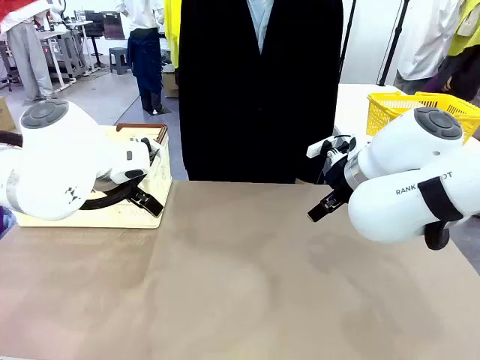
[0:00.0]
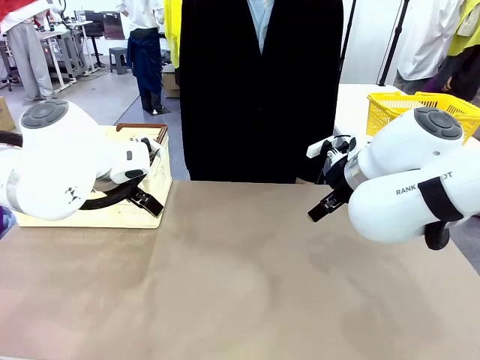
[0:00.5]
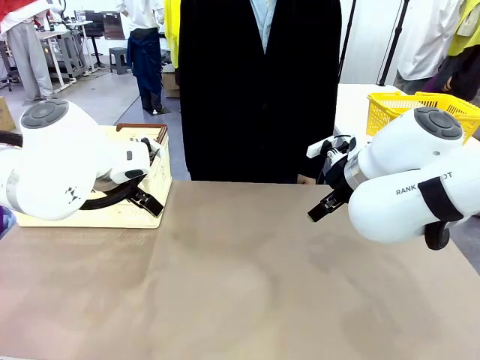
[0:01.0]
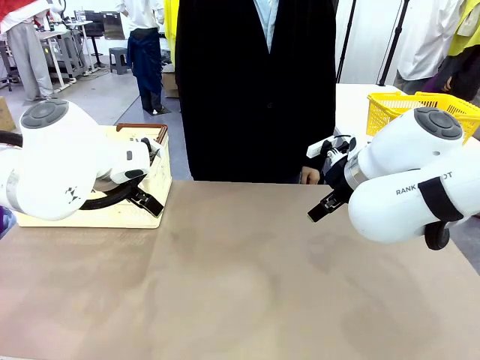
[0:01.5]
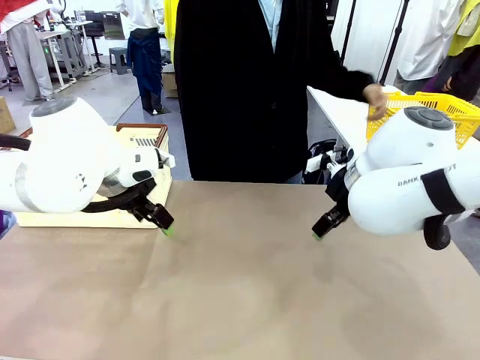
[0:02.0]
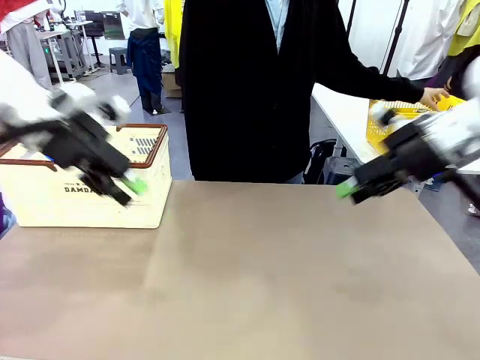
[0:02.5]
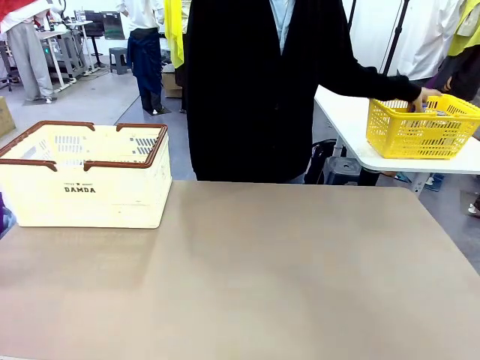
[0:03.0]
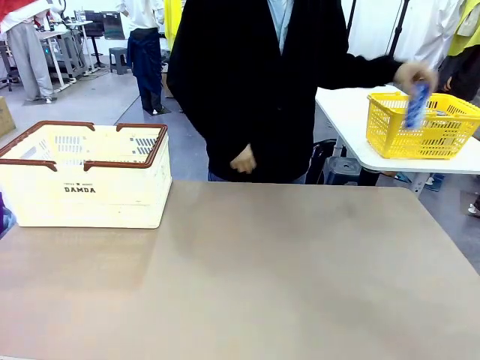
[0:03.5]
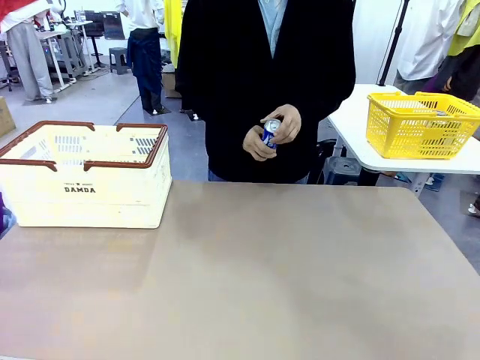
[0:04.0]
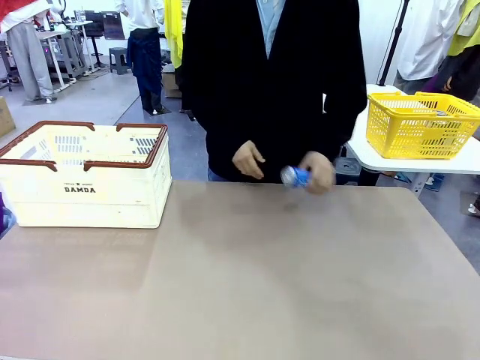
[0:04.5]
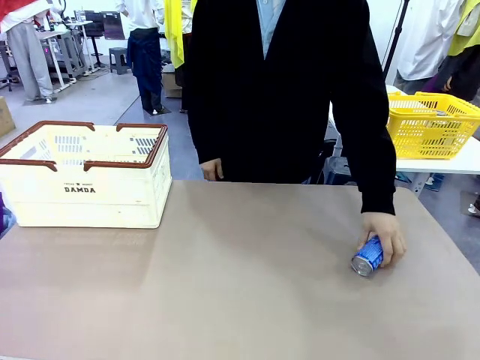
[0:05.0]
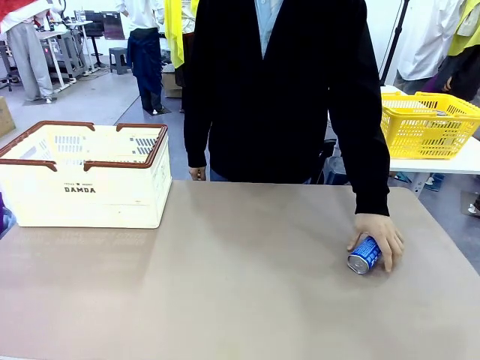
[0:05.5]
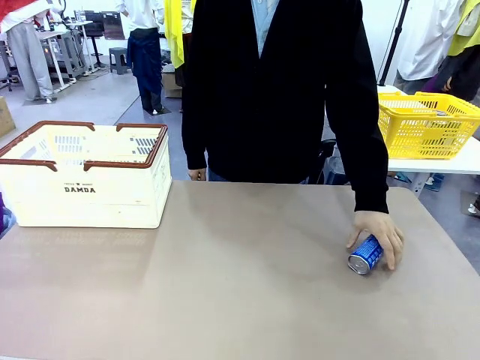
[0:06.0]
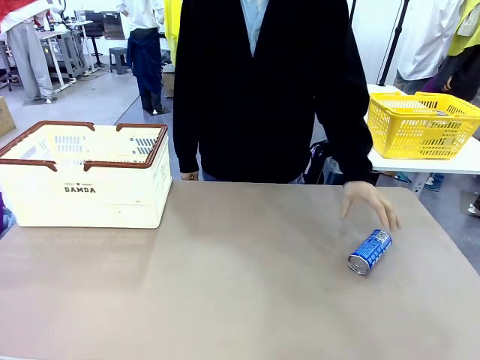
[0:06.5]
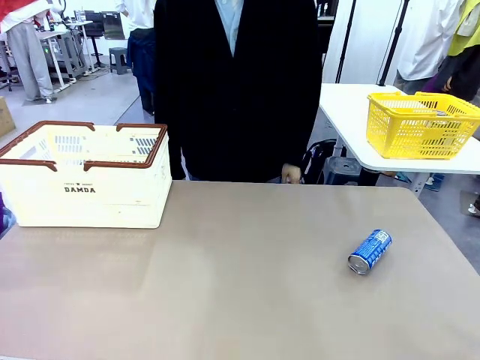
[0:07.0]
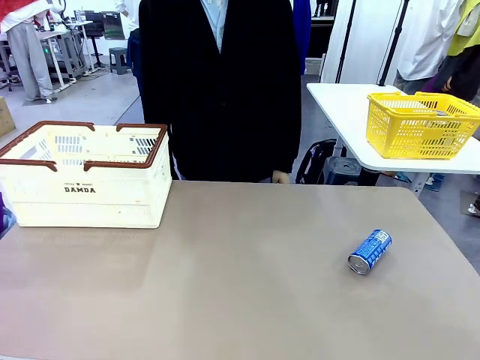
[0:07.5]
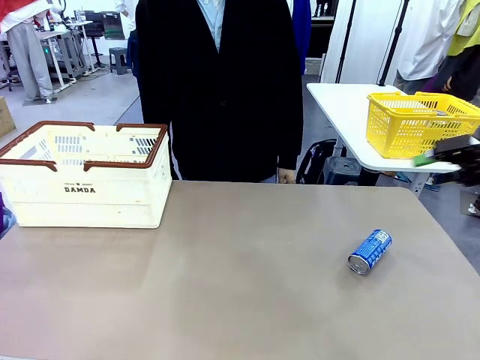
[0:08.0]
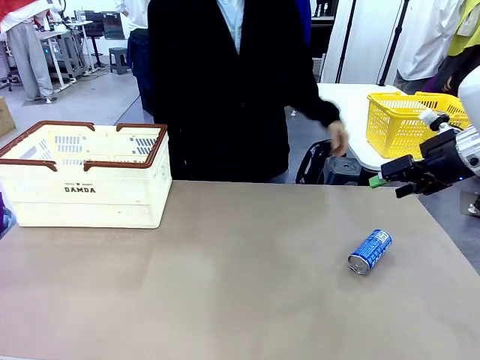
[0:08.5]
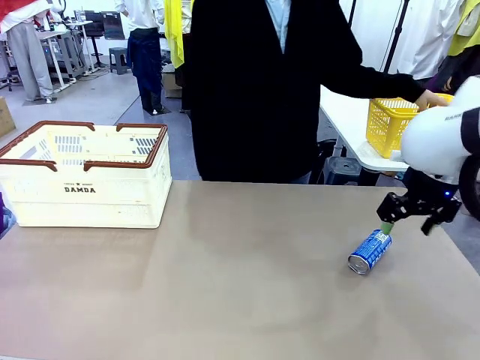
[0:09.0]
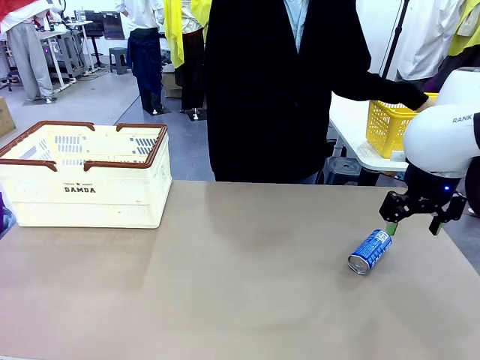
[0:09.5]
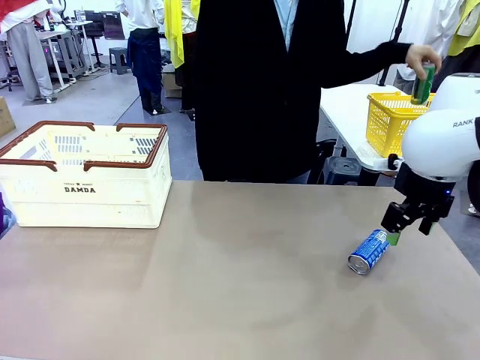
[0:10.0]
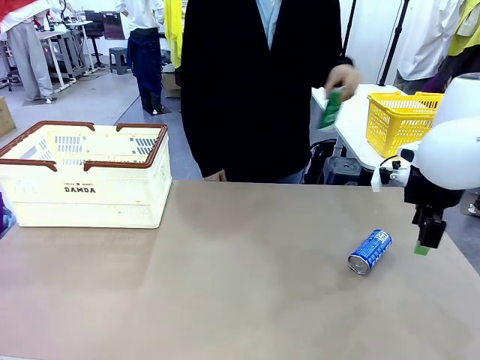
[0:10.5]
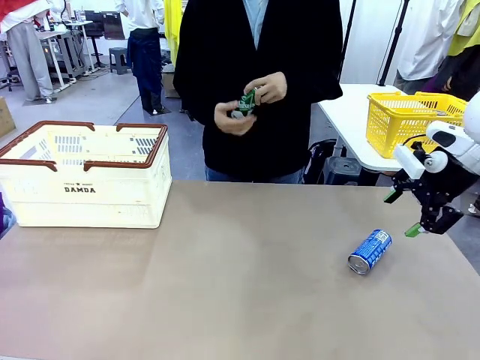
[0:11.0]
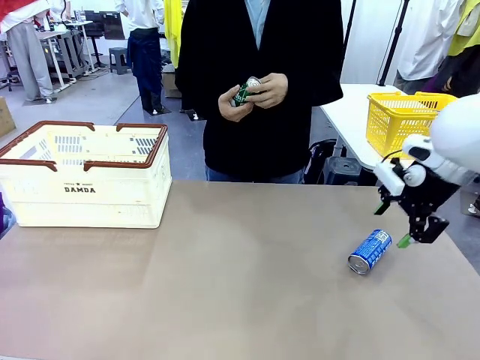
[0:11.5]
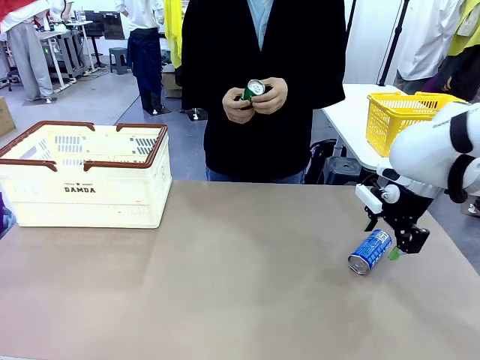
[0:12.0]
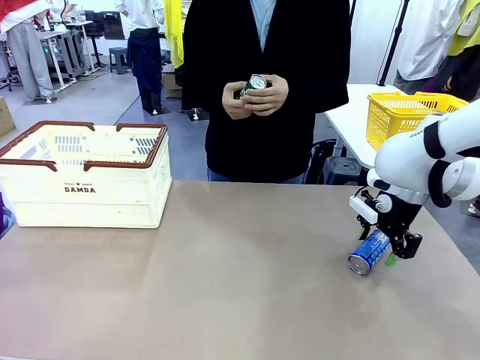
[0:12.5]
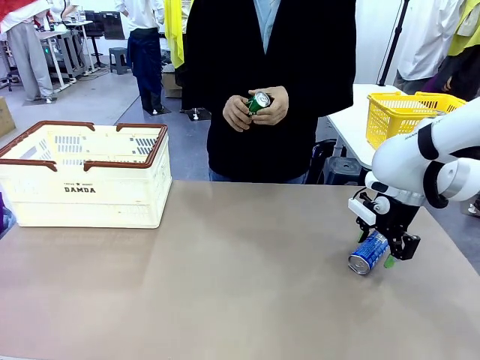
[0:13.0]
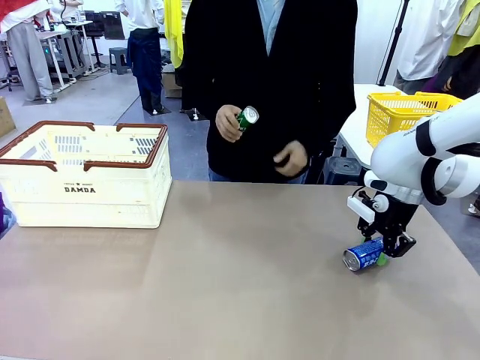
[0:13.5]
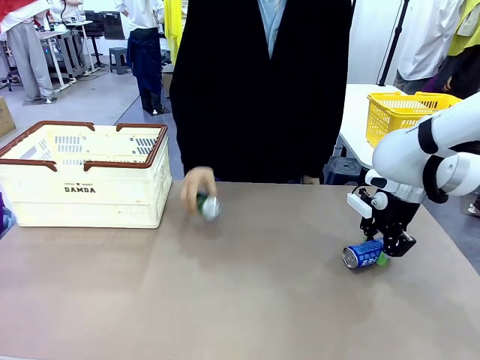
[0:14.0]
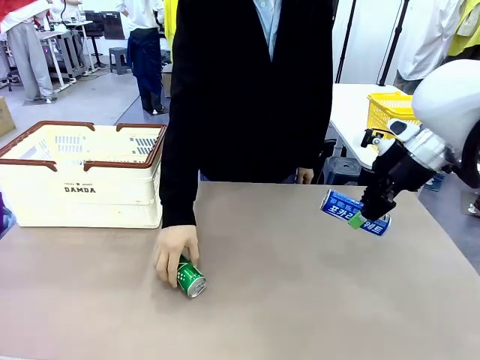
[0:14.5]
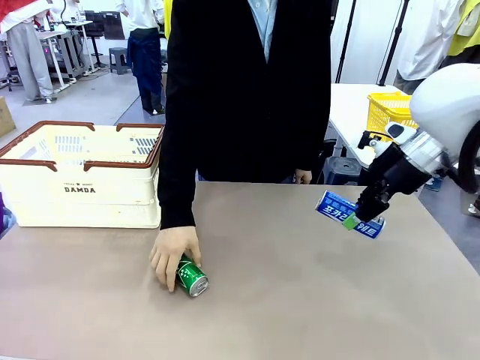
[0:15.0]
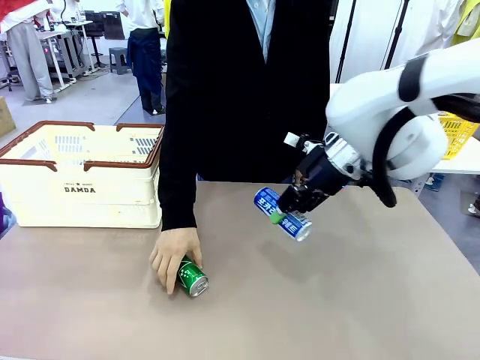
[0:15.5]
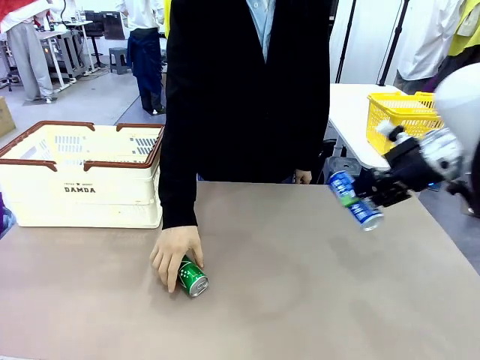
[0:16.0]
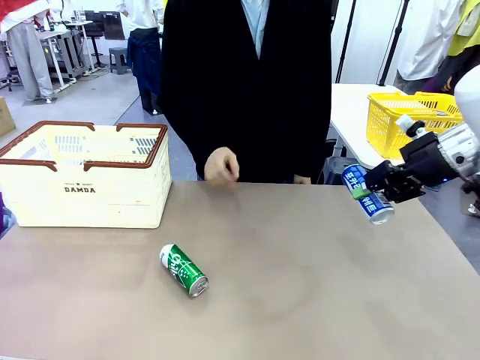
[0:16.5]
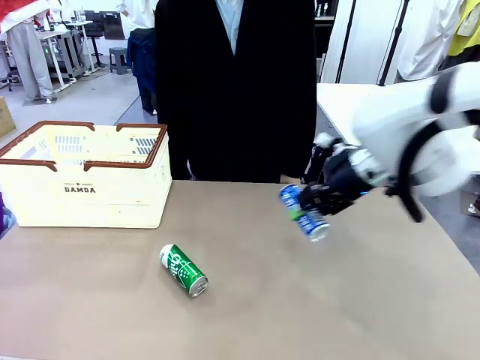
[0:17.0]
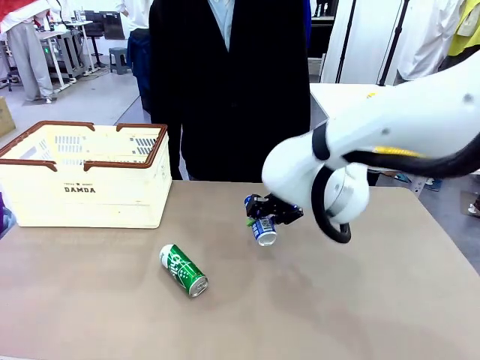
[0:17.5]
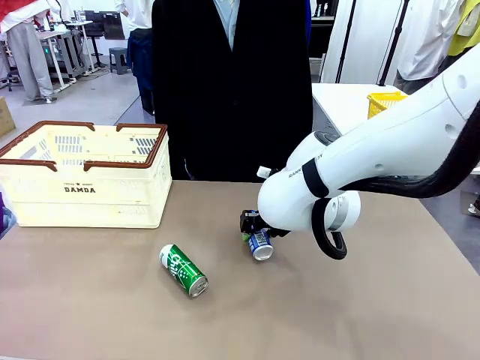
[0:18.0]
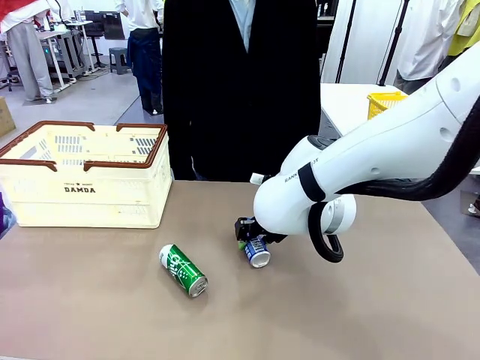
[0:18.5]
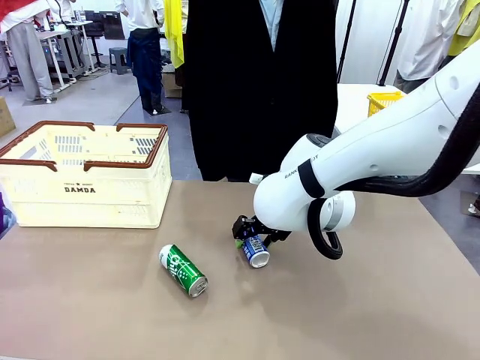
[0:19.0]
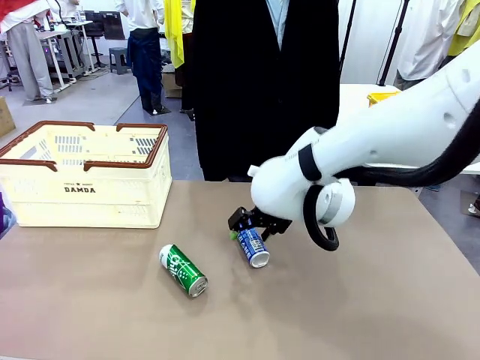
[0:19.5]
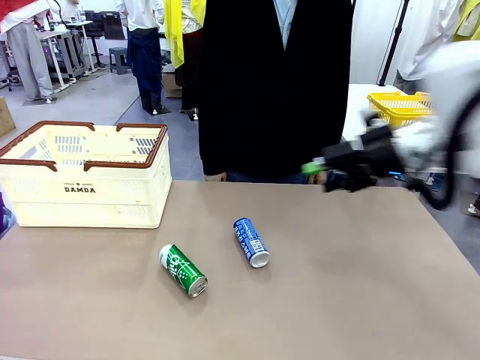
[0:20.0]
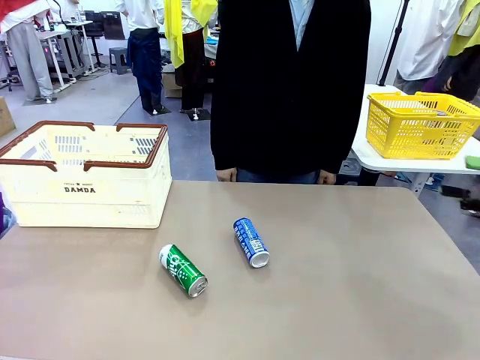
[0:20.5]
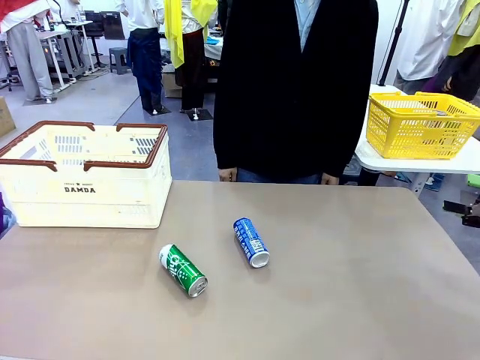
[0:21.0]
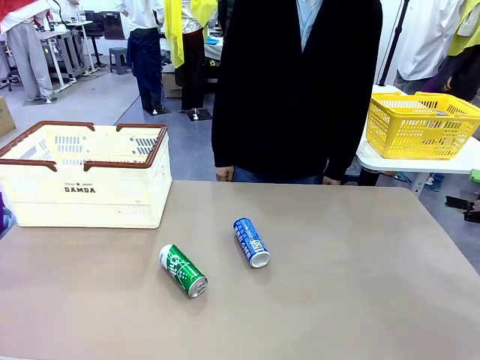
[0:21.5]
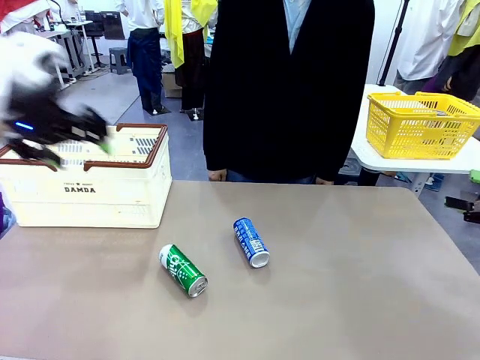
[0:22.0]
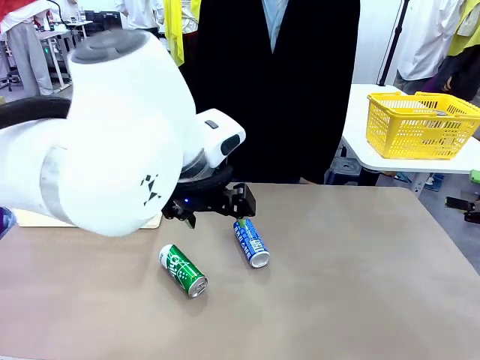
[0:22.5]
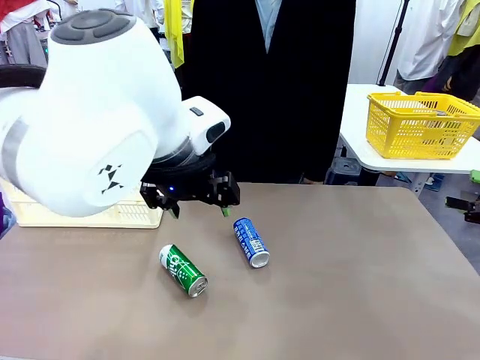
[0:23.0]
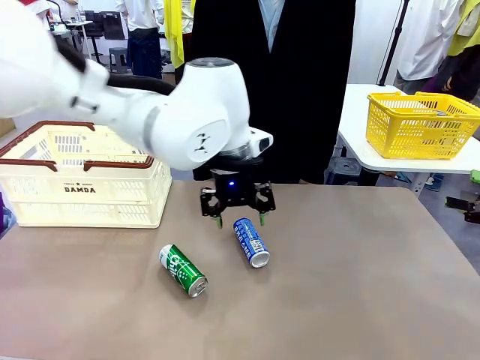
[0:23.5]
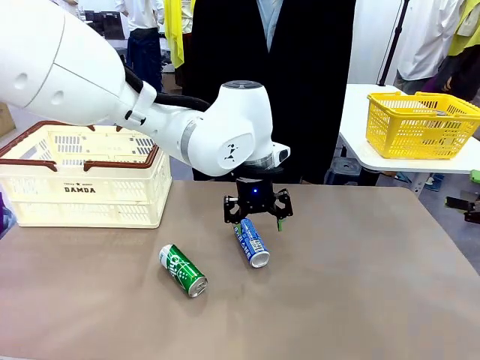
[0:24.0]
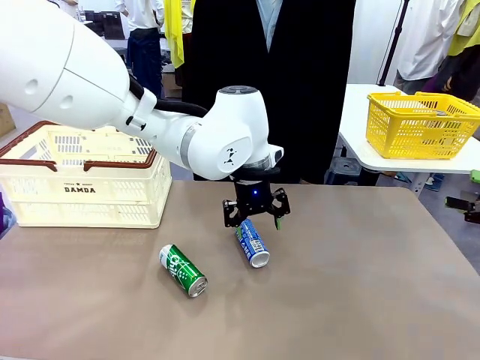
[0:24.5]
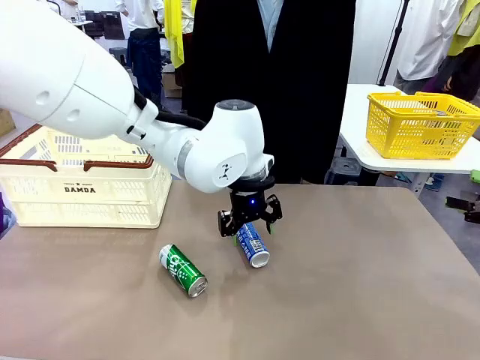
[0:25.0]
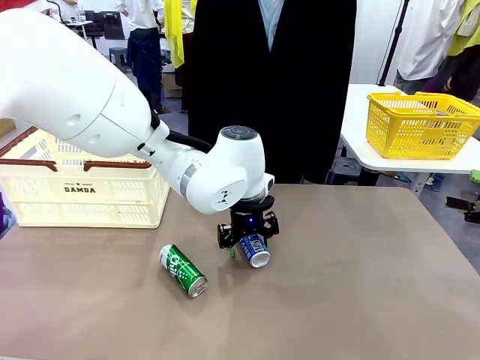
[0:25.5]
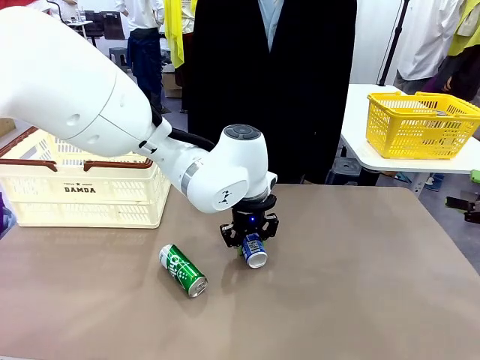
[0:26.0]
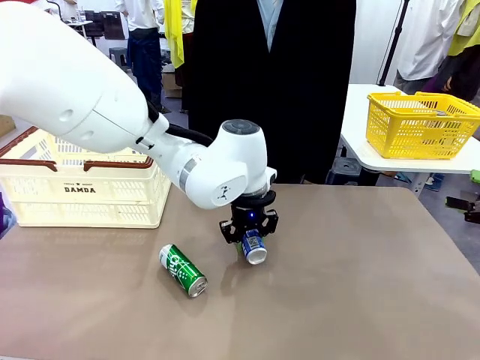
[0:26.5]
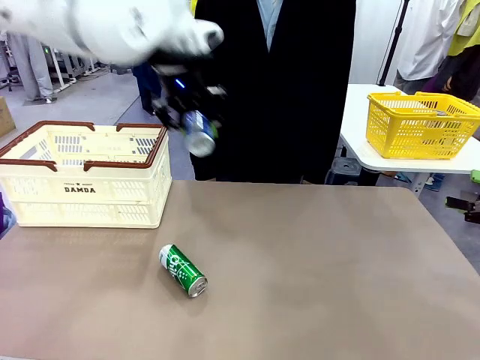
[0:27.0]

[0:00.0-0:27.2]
Task: Place the drinks into the Shopping basket.
Robot: Pick up one drink and place it into the Shopping basket.
